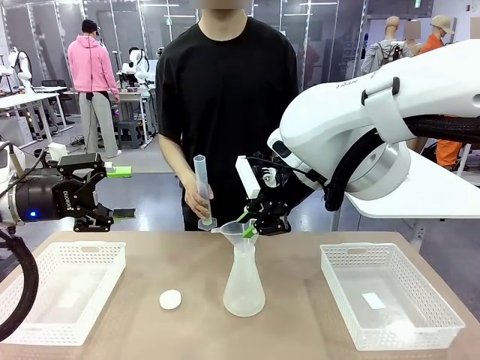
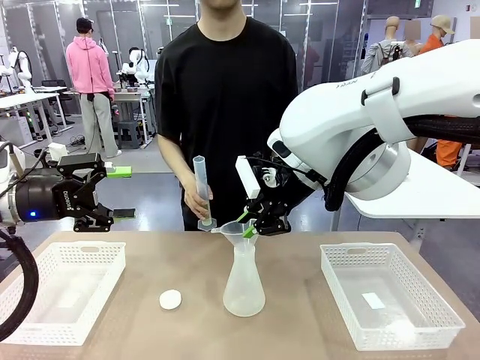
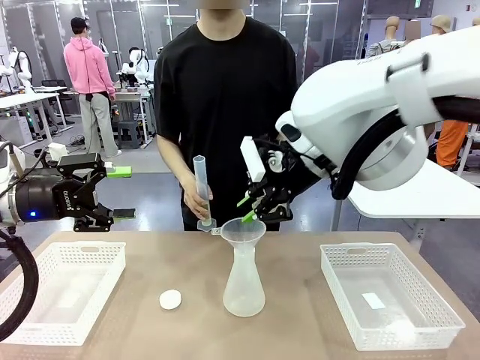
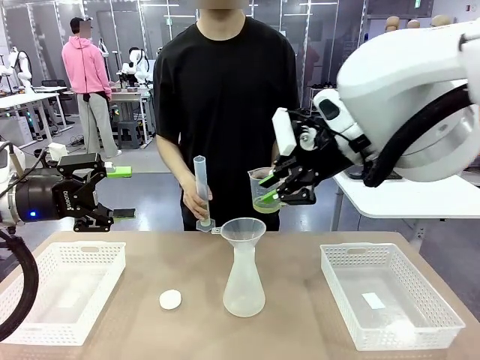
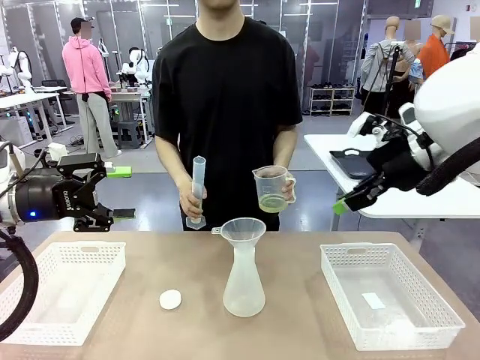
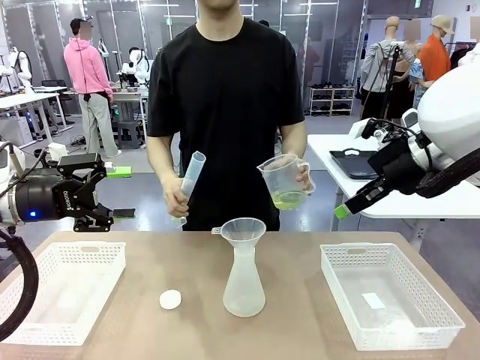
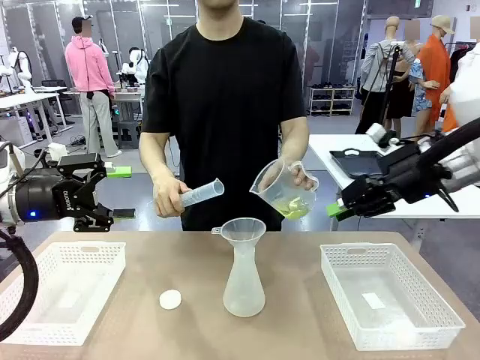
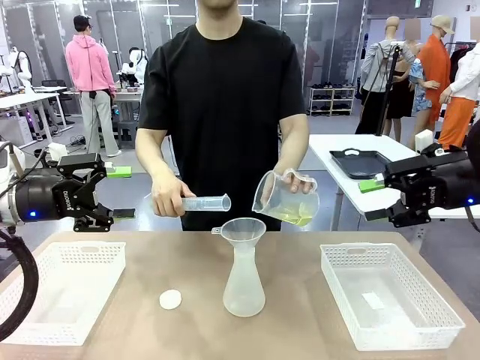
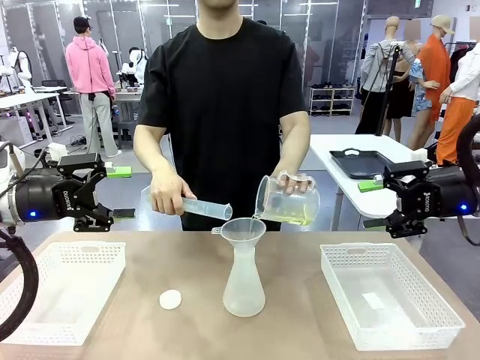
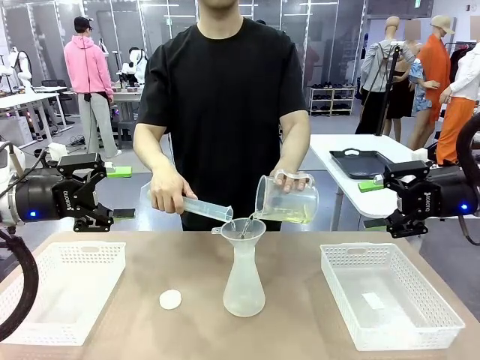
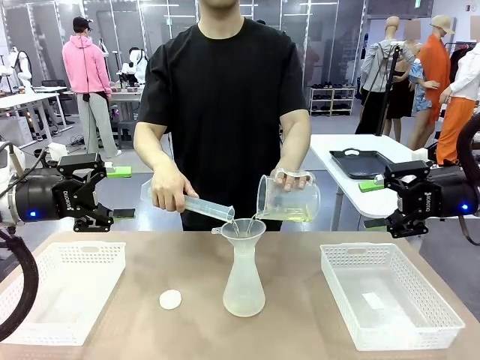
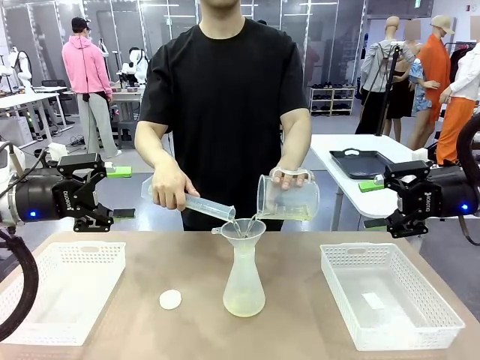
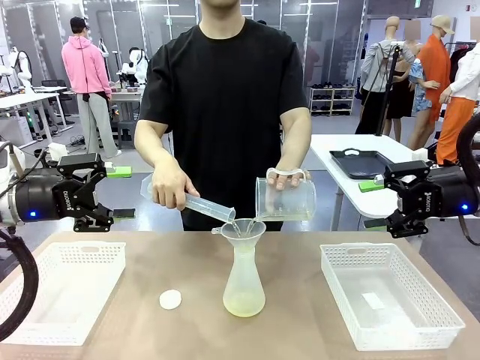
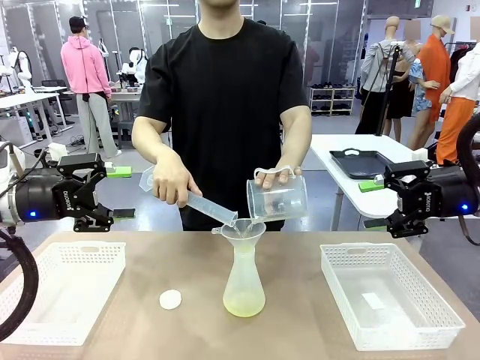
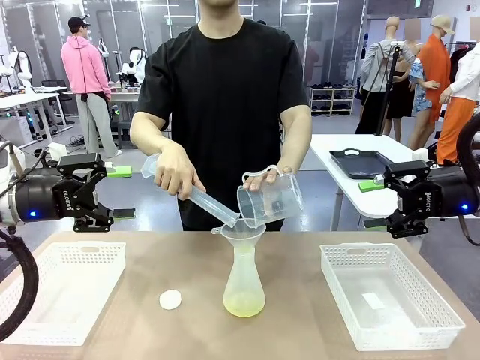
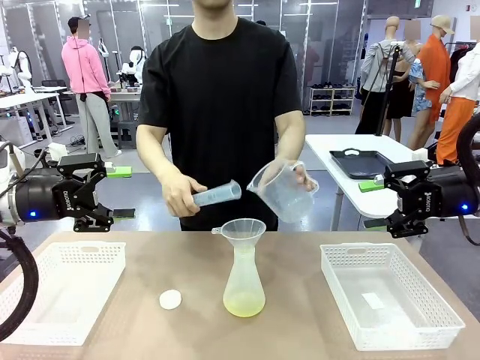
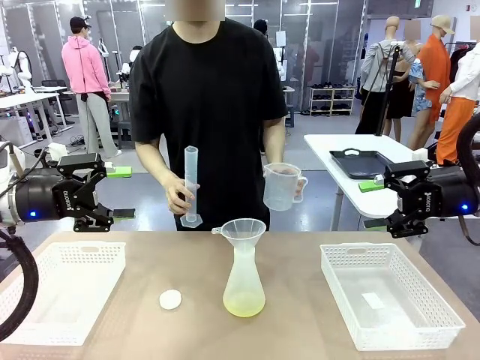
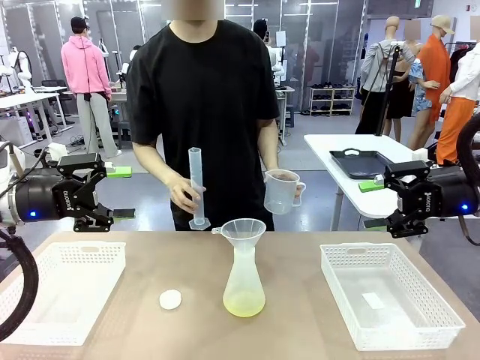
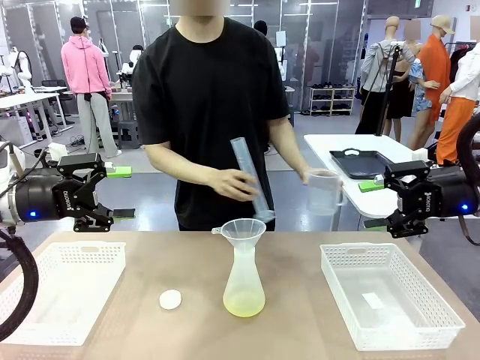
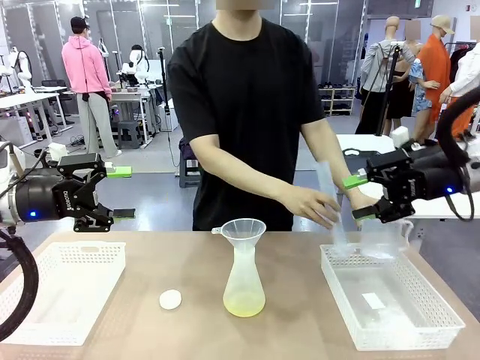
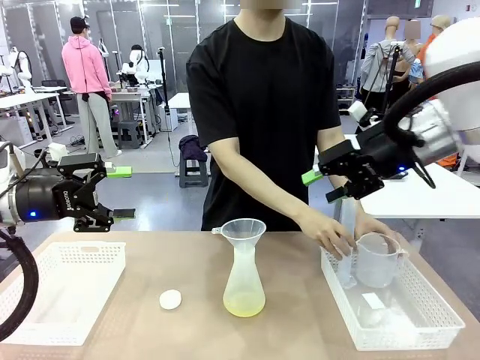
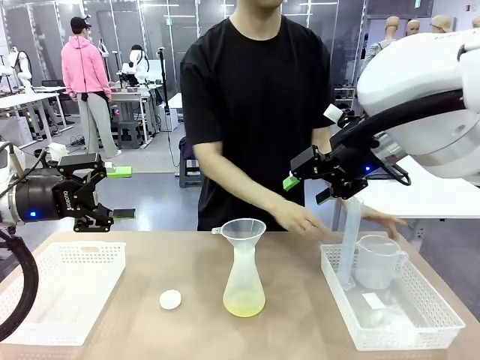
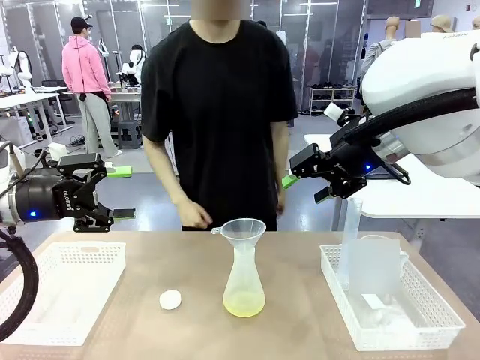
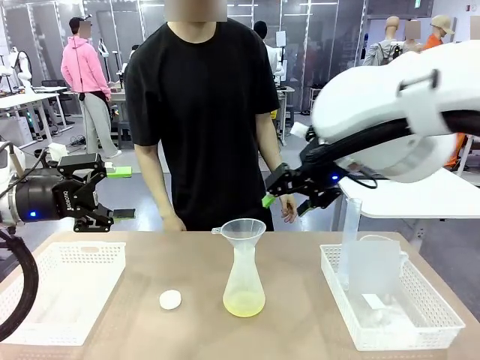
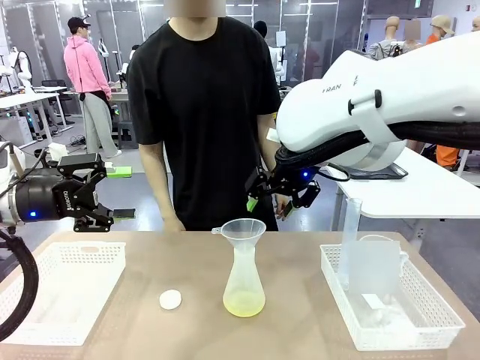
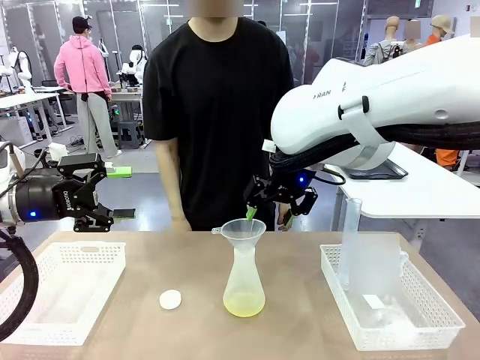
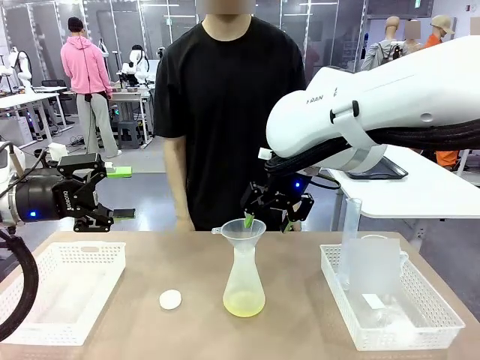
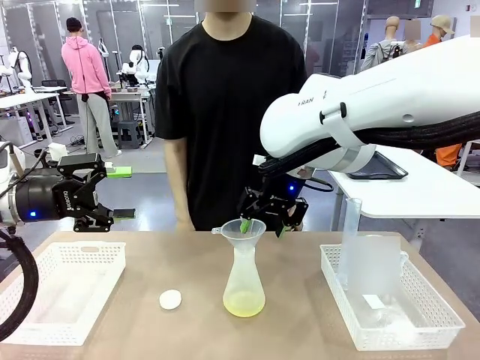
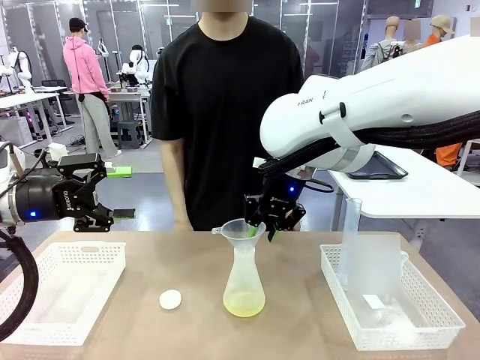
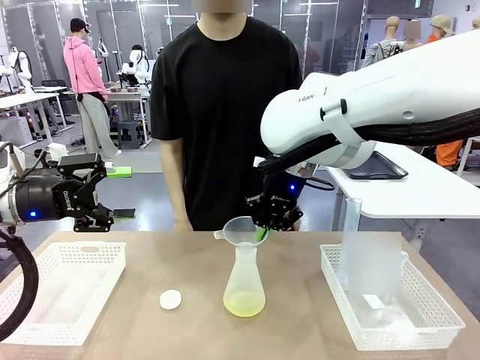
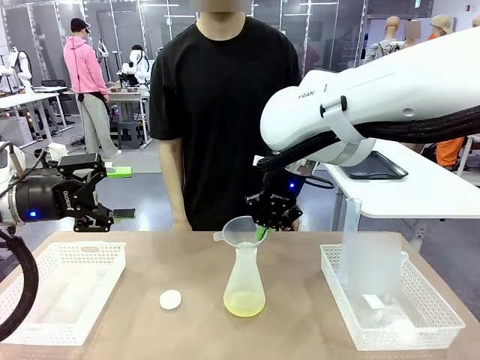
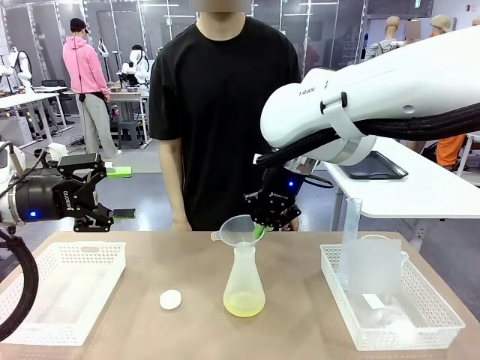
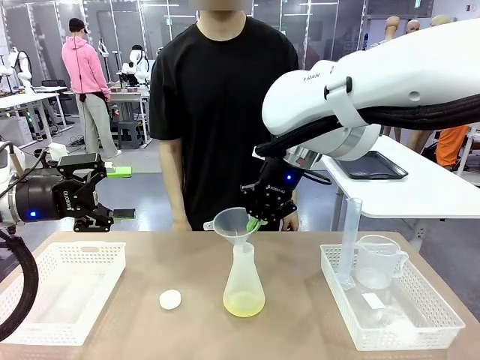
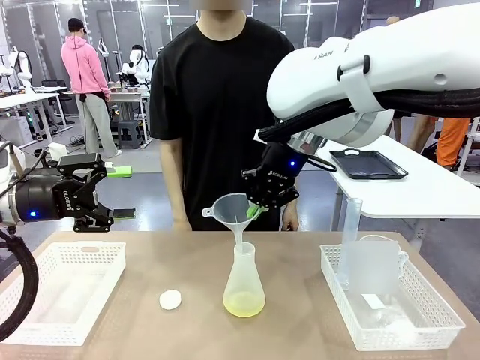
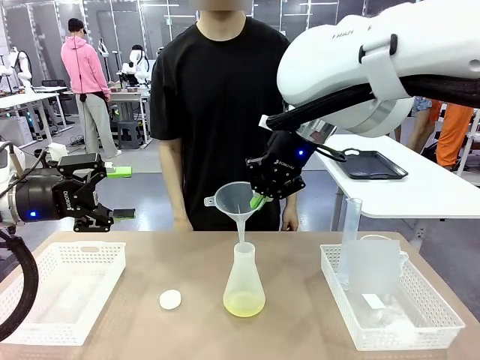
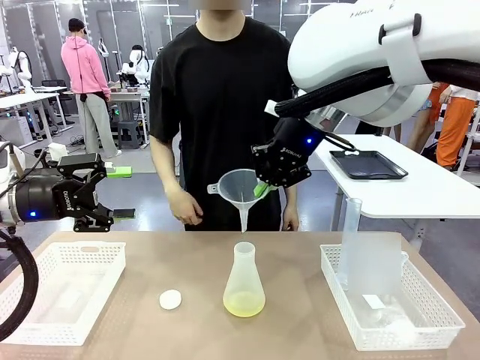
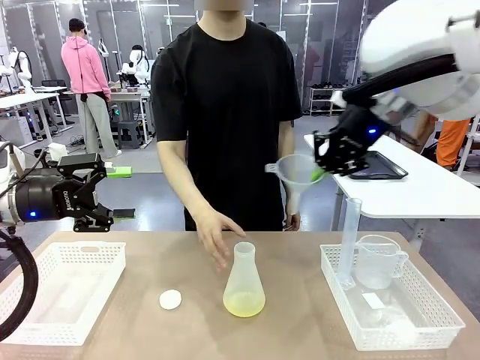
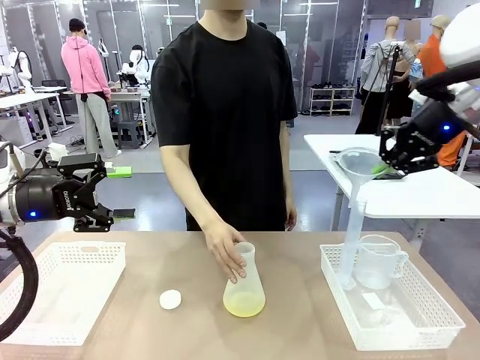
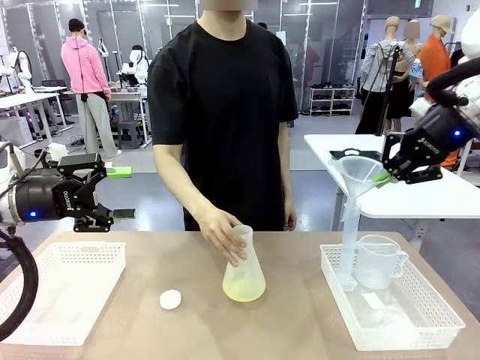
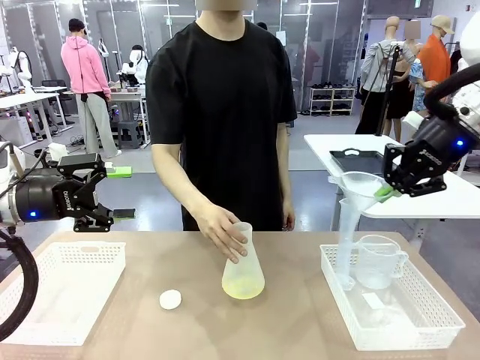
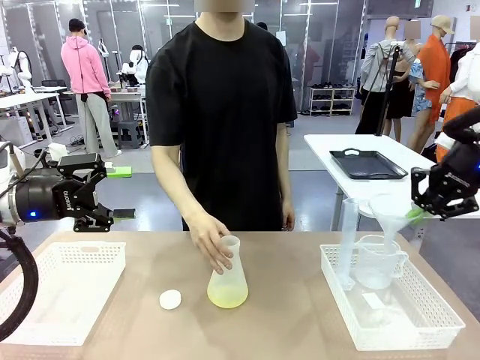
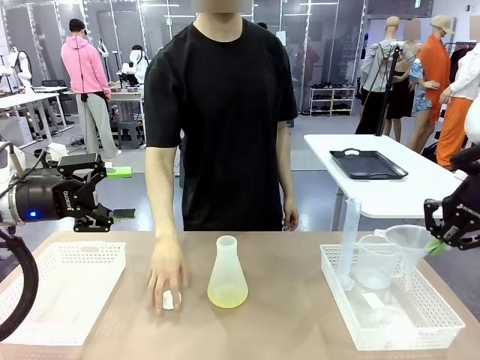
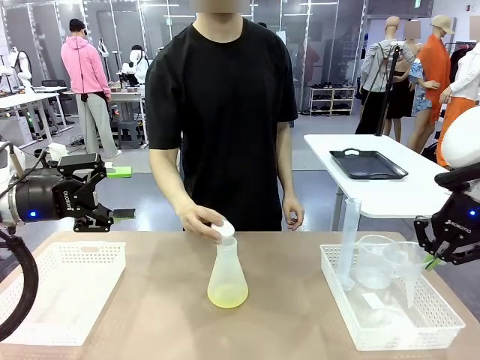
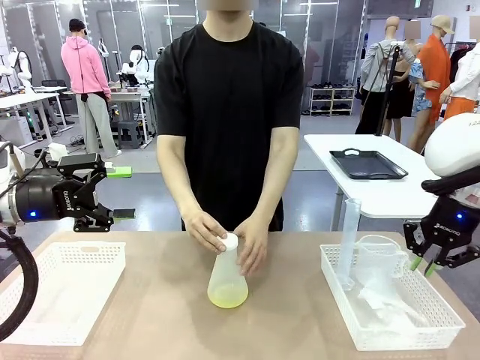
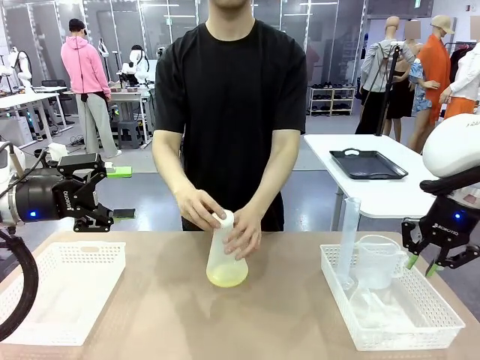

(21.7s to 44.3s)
Task: Prepare the solutions needed for the experiment.
Robot: Once the solution is in the Big flask , pick up the Plastic Funnel and place it back into the right Organizing basket.
Person: Place the beaker and the cylinder into the organizing basket on the left side. Pick up the flask, gently shake it 2–3 times, place it in the middle of the robot table, and close the lid.
